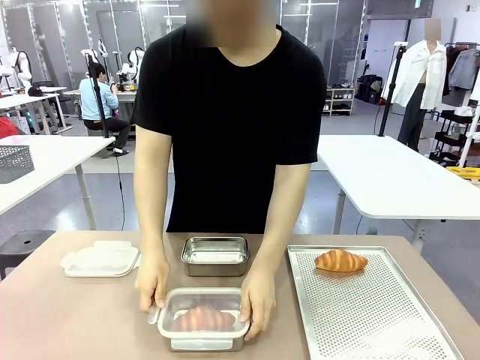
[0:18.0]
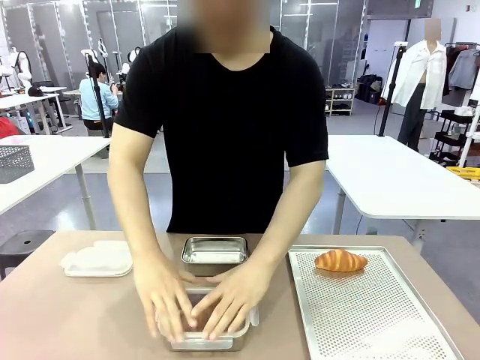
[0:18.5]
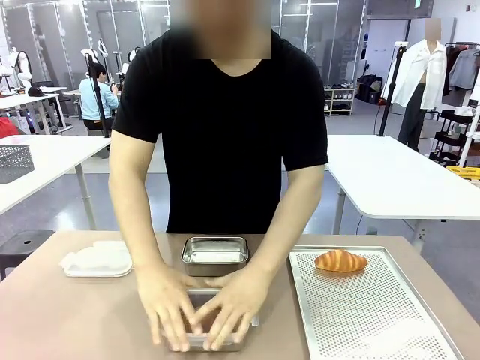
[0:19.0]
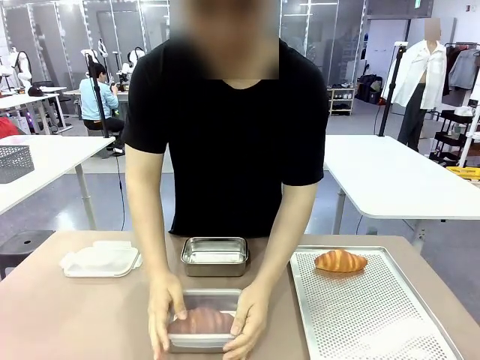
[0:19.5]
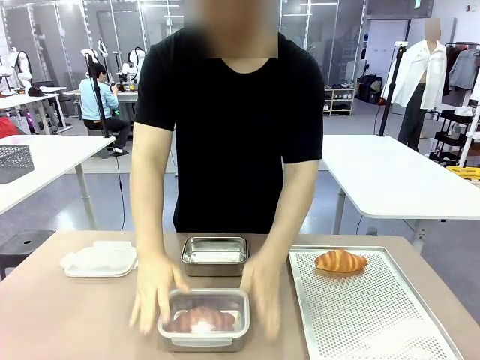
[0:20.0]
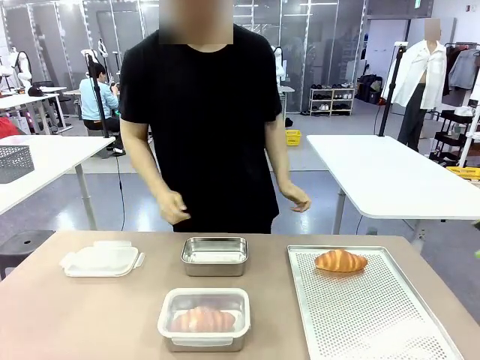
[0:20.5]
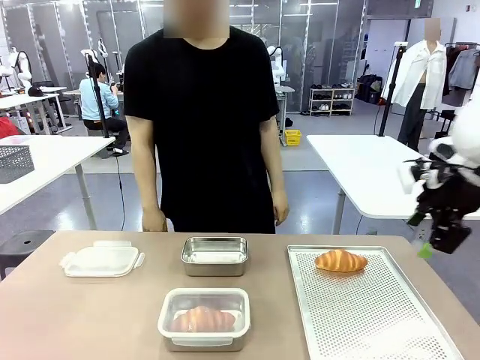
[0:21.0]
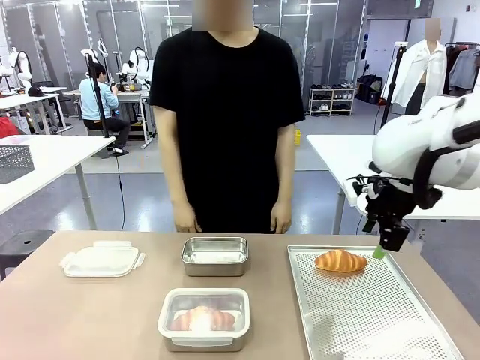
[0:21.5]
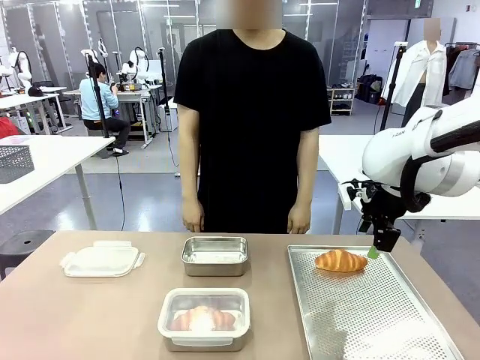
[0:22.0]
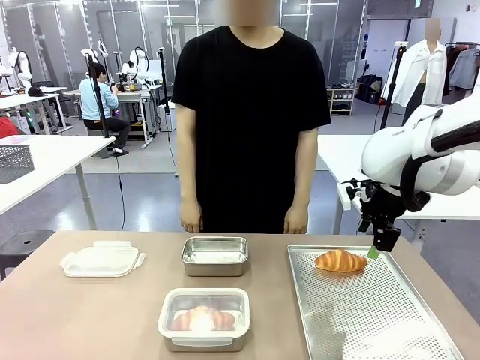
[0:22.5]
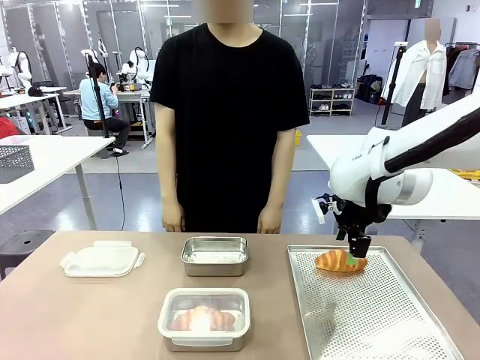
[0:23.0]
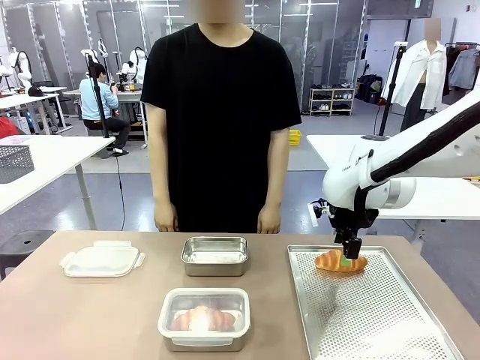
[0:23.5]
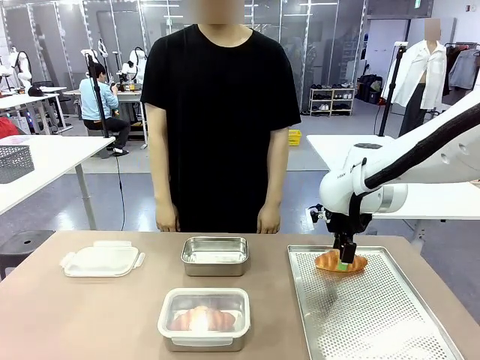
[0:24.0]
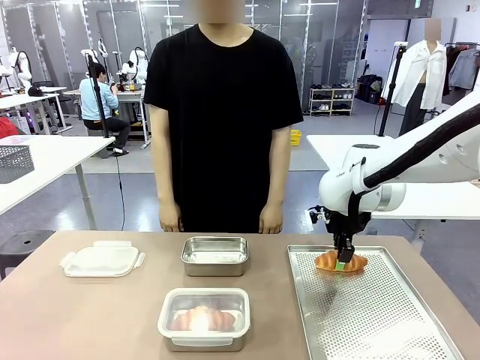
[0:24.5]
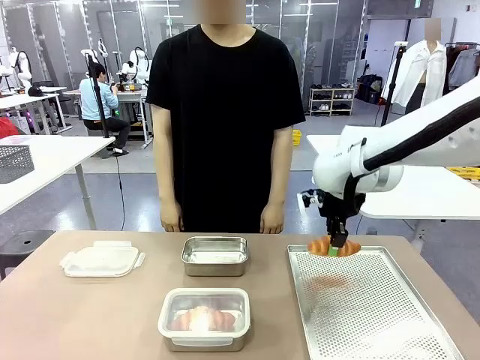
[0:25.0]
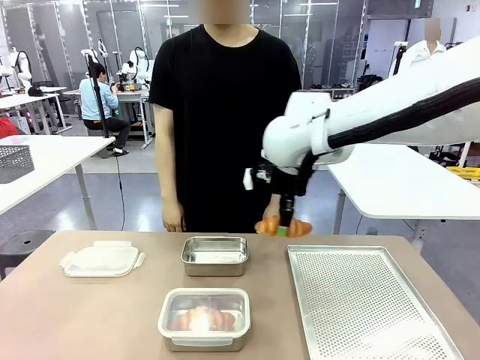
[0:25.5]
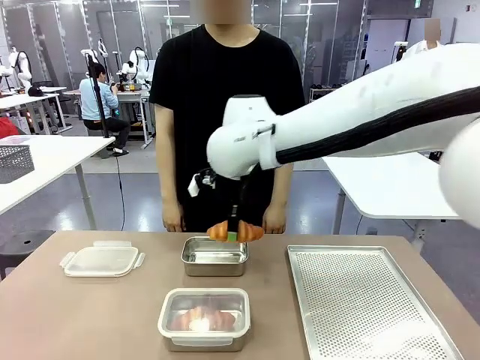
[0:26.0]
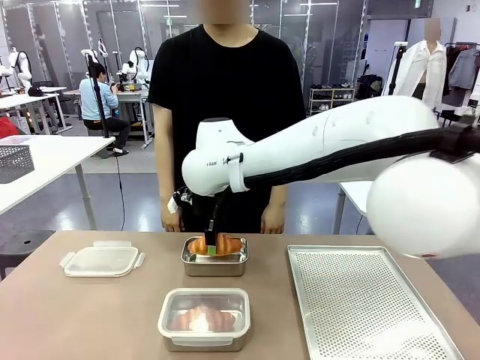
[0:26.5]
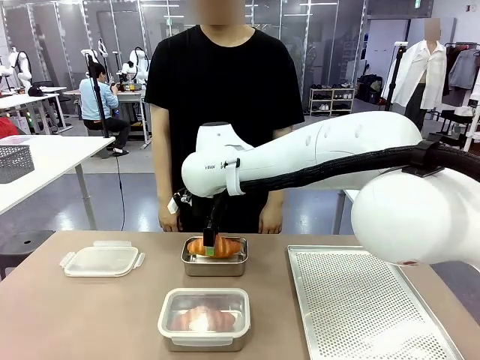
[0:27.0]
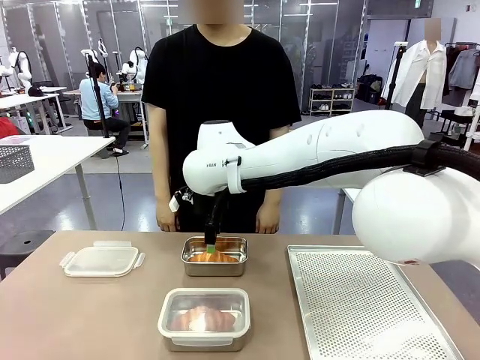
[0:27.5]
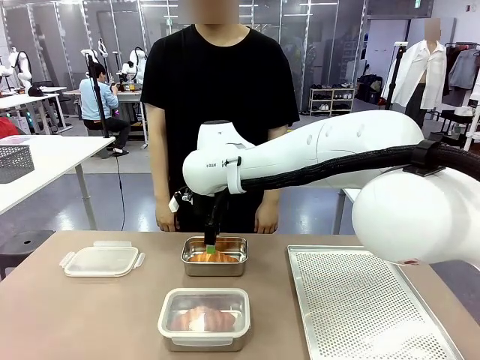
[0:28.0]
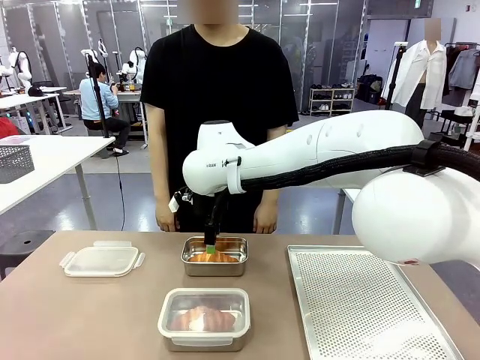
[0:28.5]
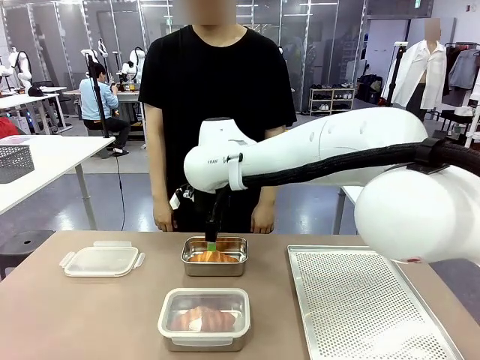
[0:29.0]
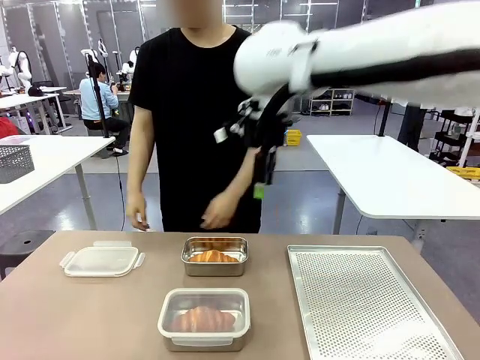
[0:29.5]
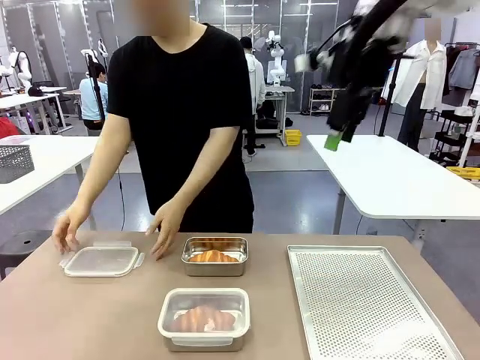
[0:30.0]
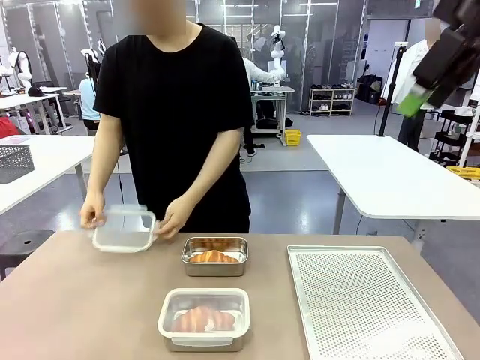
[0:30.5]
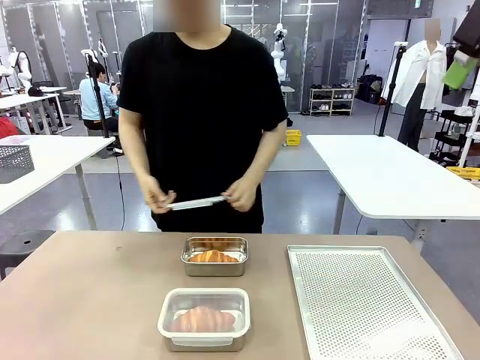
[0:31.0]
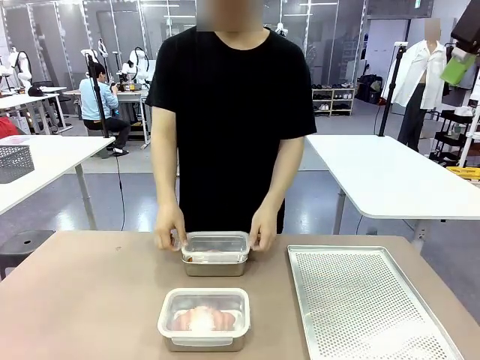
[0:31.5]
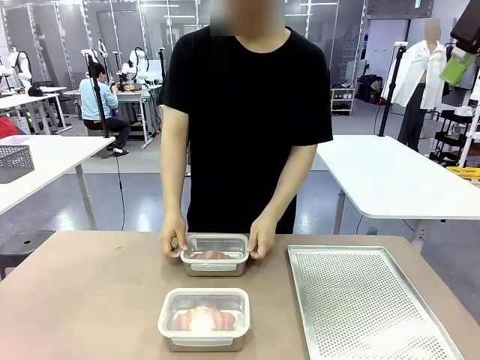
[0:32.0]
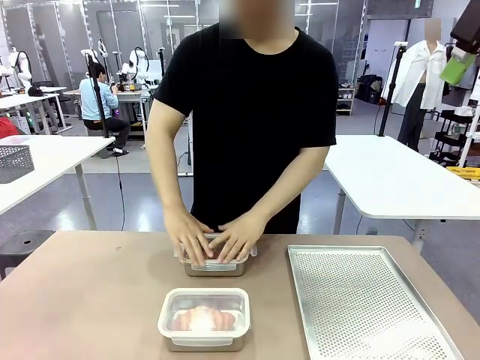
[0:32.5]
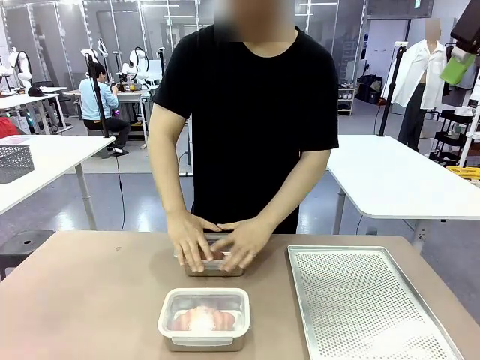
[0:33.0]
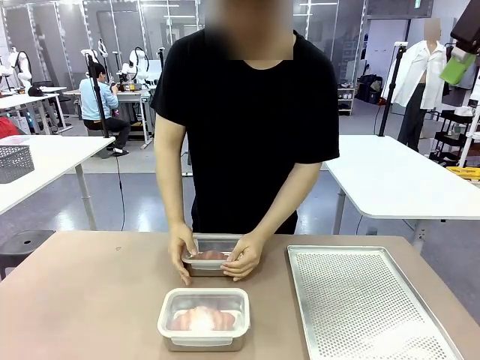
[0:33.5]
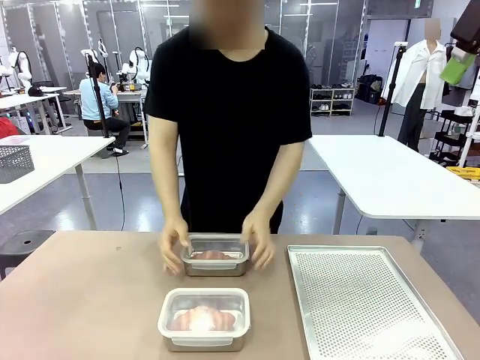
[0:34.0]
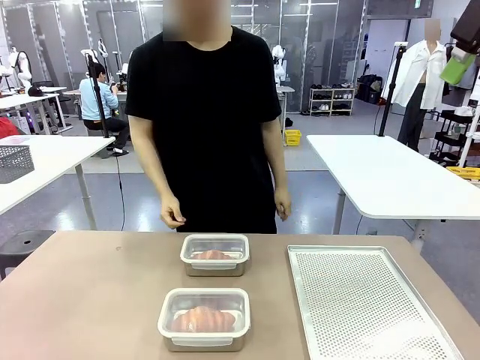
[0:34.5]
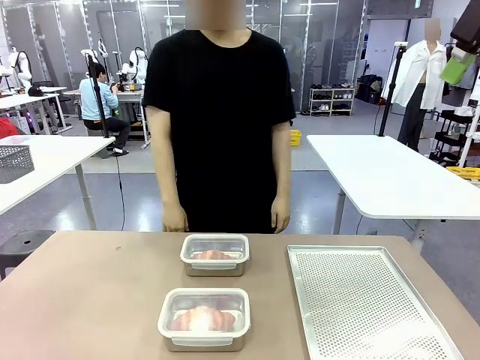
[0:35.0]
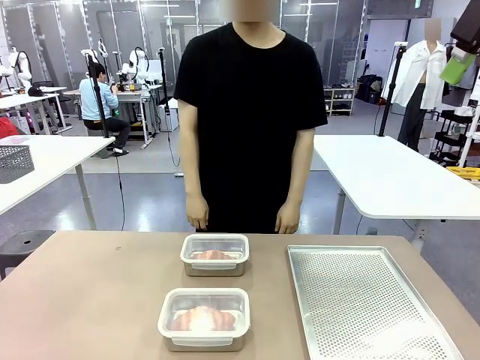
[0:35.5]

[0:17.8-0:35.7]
Task: Place the bread into the airtight container.
Robot: Pick up a Butter Roll and place it into an empty Airtight Container.
Person: Once a Butter Roll is inside an Airtight Container , close the lid of that Airtight Container.

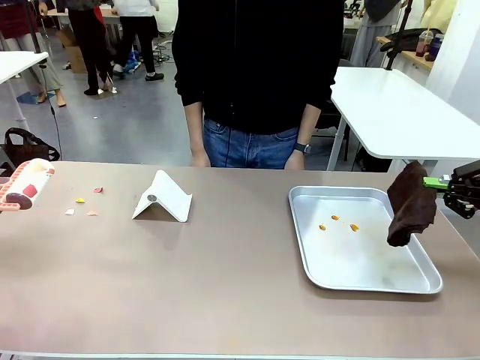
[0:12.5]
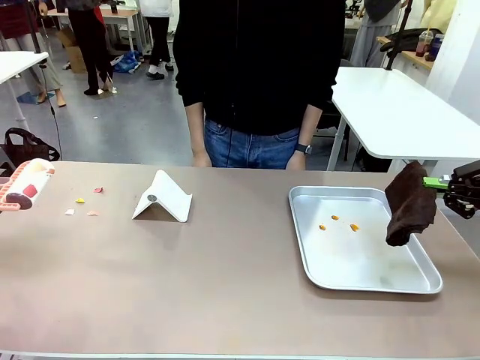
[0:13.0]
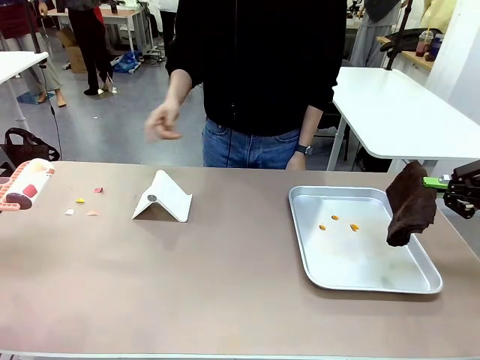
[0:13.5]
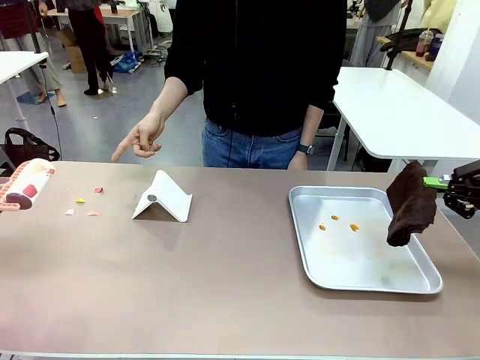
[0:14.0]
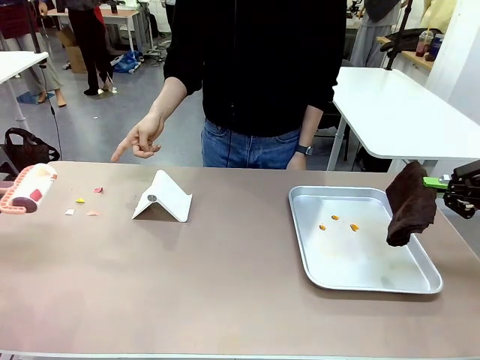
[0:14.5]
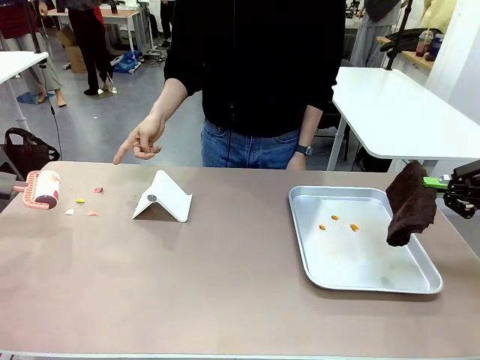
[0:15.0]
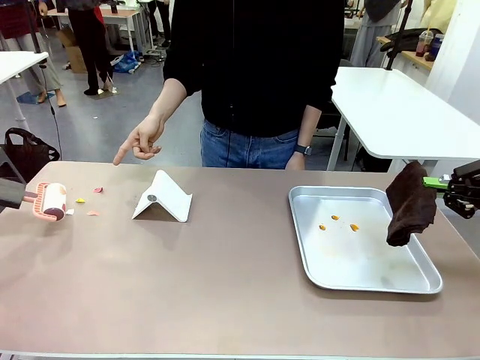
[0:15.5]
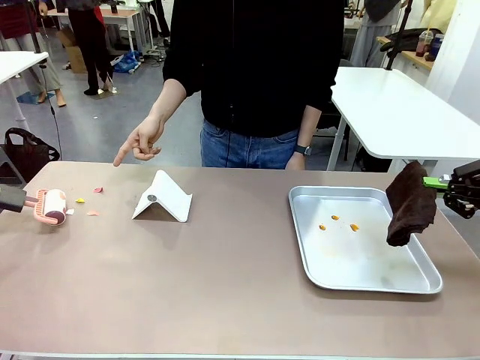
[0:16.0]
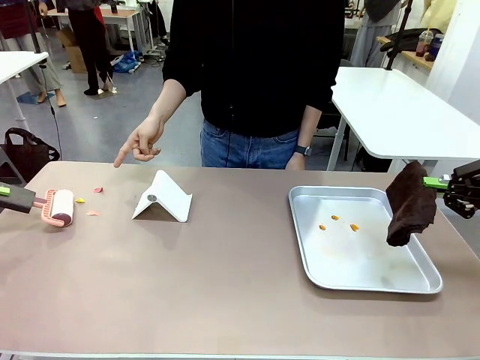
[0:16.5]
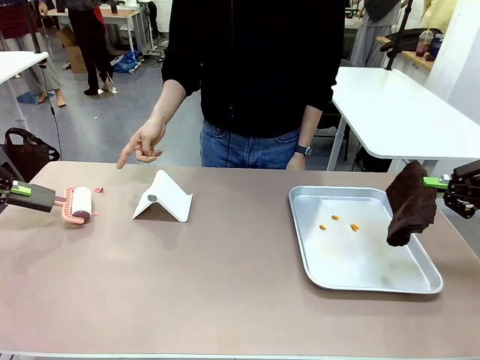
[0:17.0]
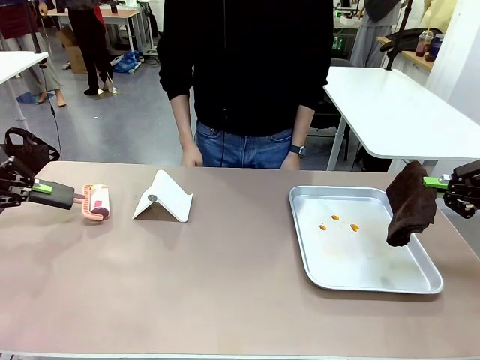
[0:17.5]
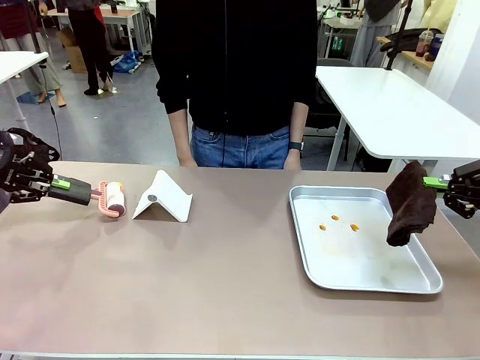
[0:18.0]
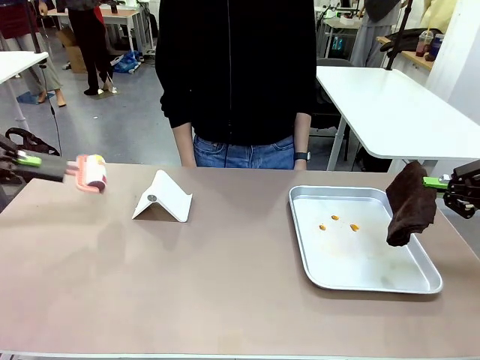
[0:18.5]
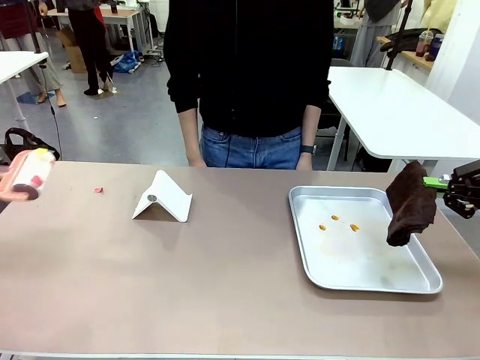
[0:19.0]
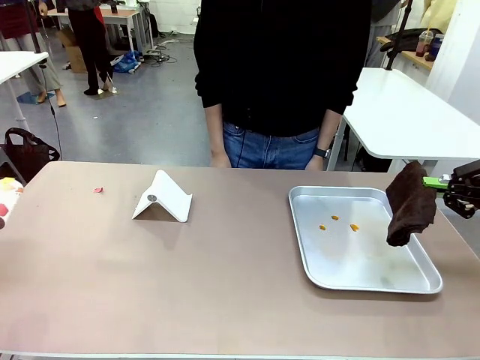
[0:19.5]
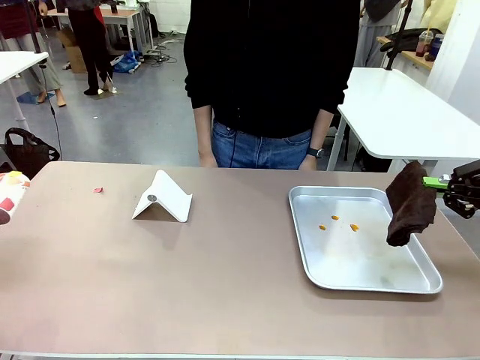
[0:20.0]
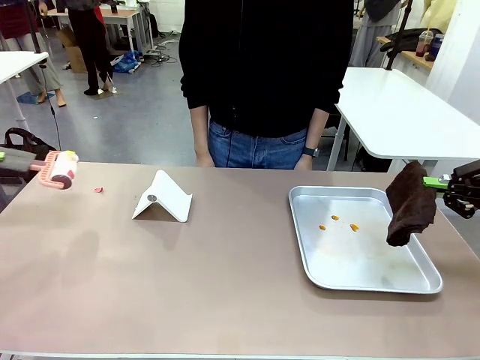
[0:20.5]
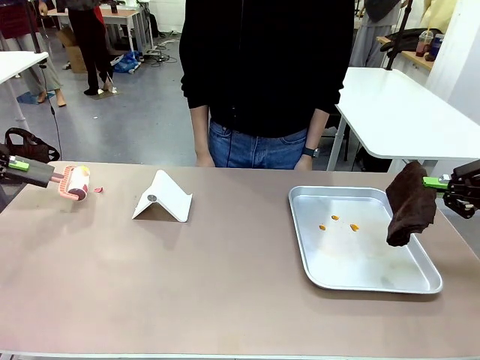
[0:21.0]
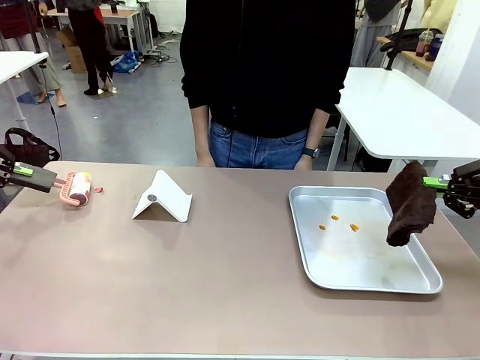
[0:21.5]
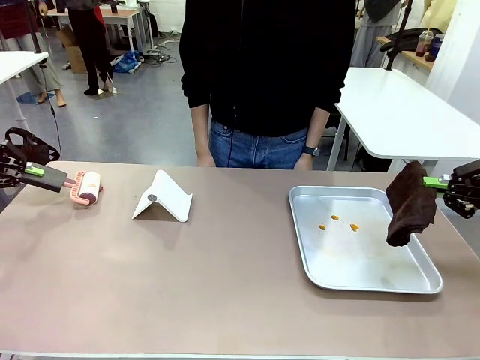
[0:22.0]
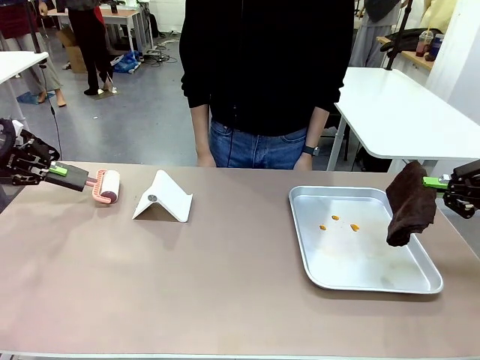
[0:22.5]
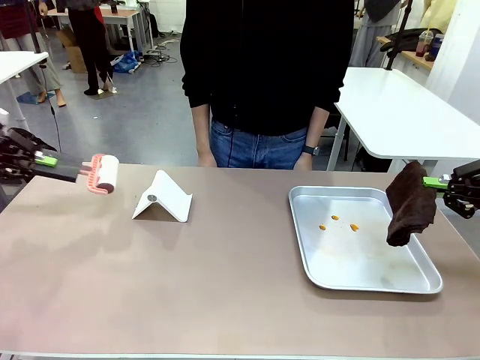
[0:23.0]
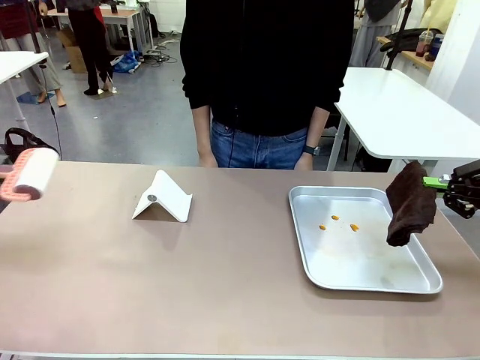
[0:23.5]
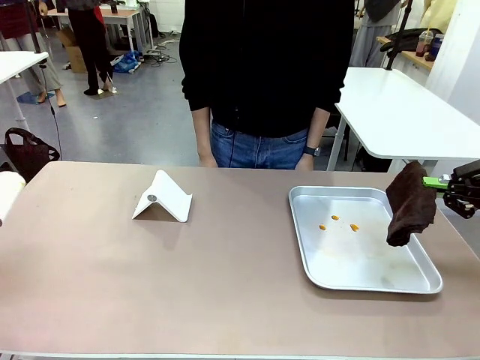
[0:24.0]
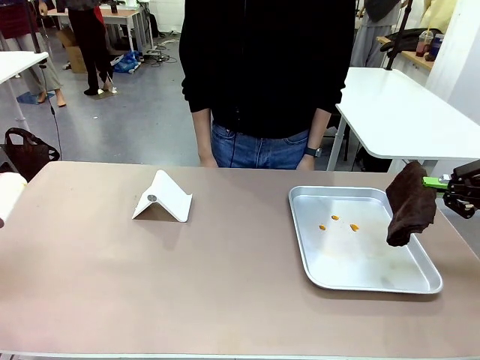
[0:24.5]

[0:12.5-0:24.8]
Task: Clean the surface of the table.
Robot: If a person points to the right, clean the right side of the table with your right hand, and if they point to the left, clean the left side with your left hand.
